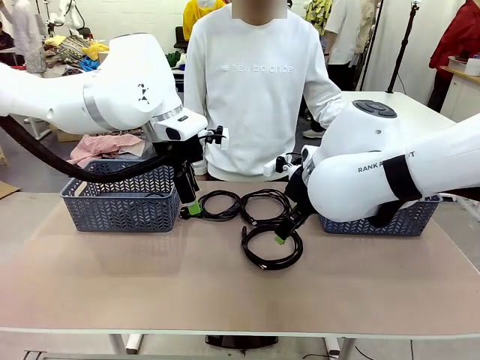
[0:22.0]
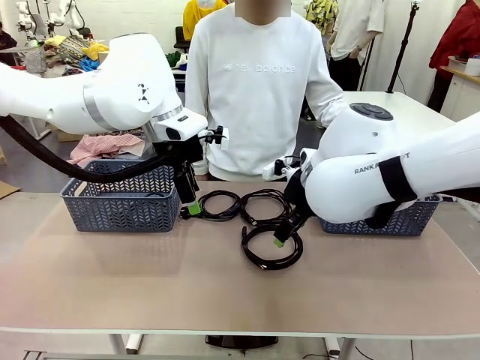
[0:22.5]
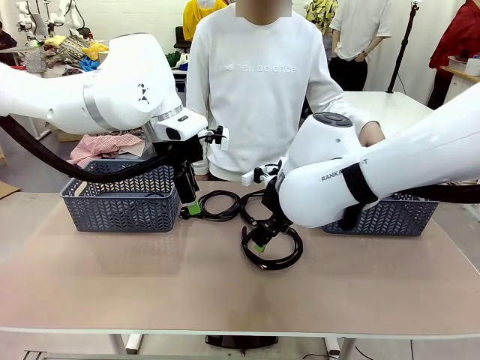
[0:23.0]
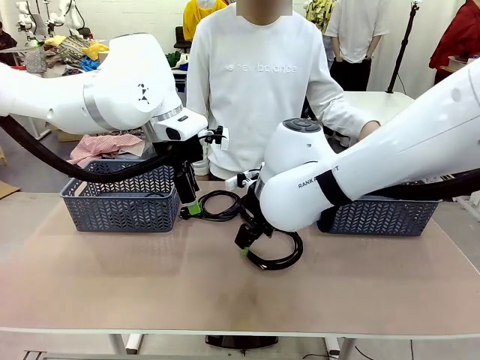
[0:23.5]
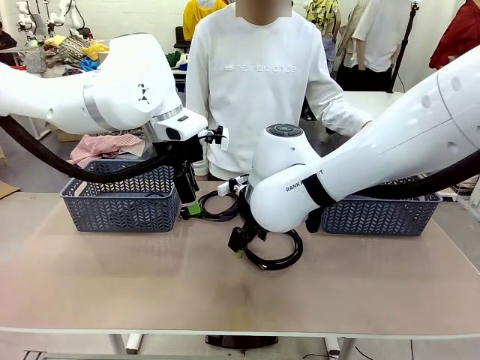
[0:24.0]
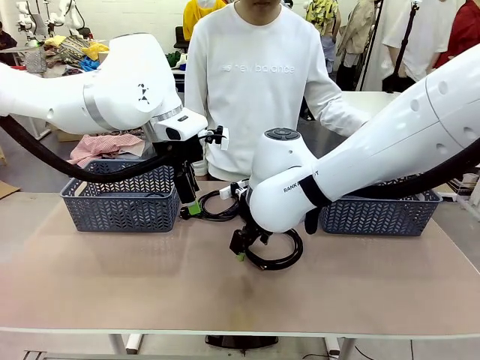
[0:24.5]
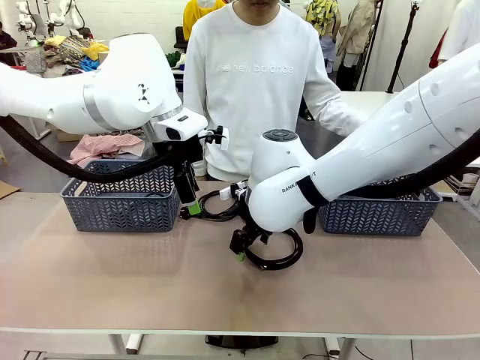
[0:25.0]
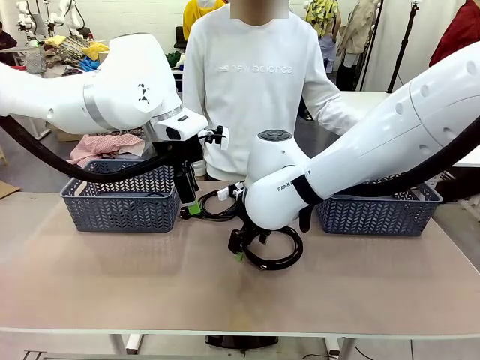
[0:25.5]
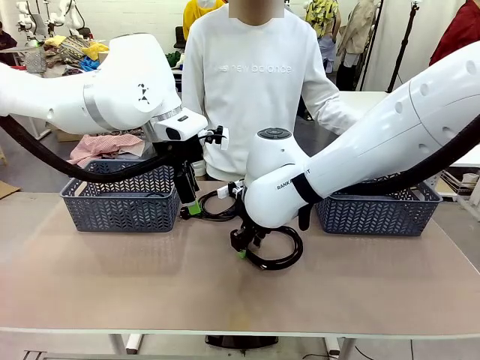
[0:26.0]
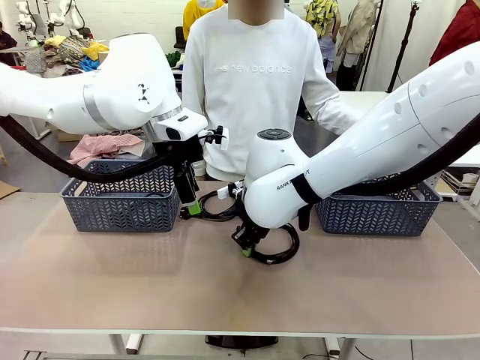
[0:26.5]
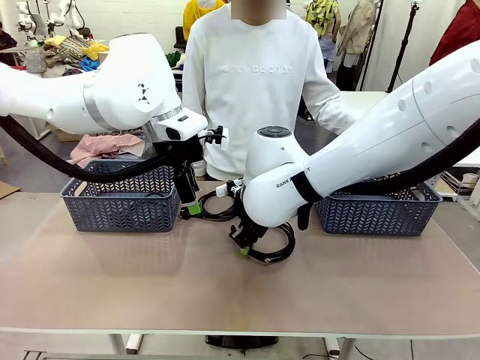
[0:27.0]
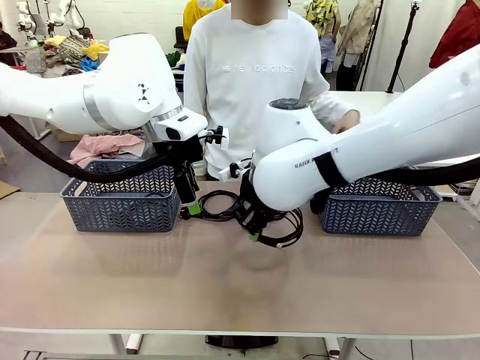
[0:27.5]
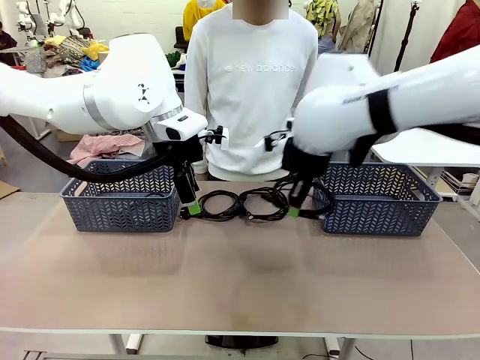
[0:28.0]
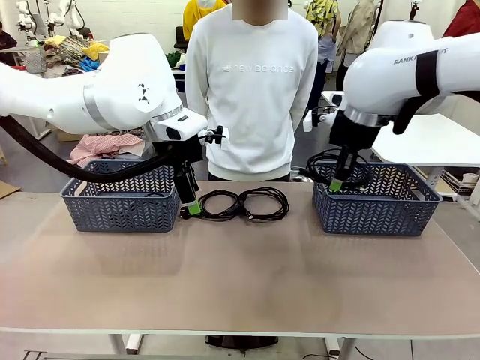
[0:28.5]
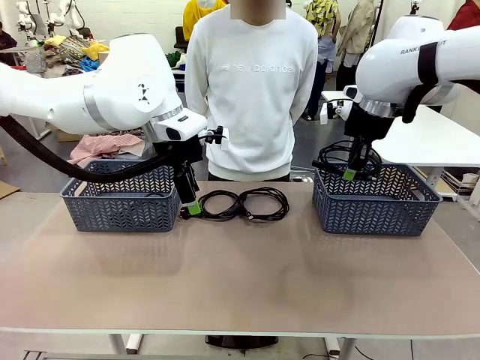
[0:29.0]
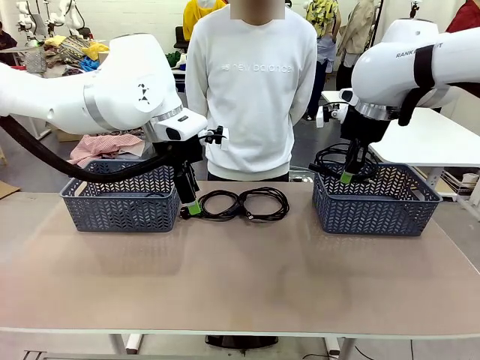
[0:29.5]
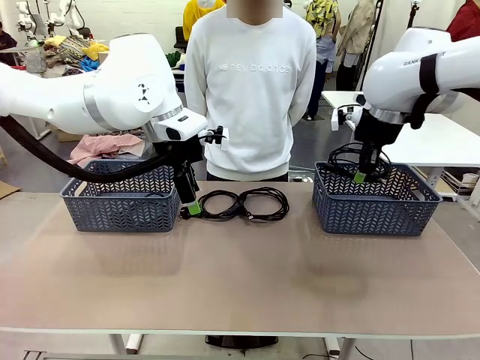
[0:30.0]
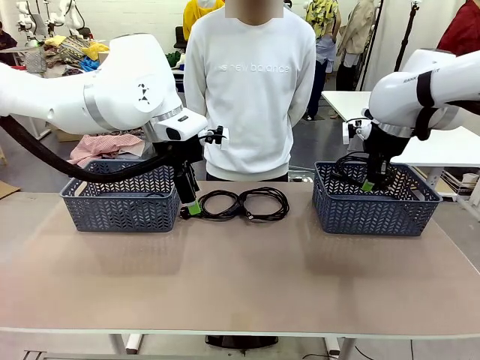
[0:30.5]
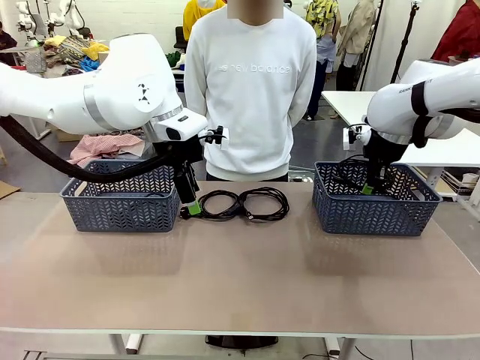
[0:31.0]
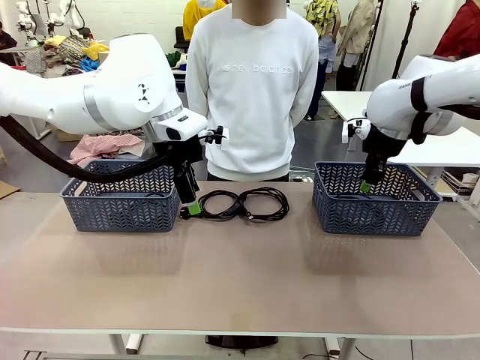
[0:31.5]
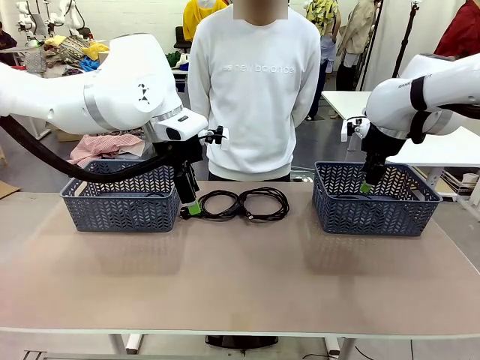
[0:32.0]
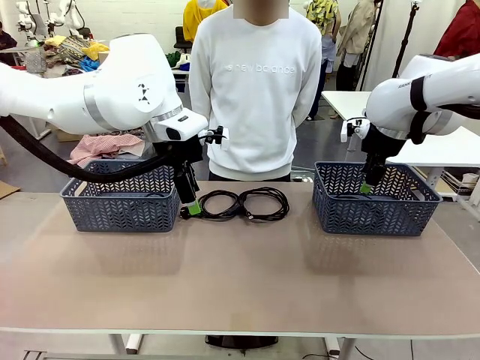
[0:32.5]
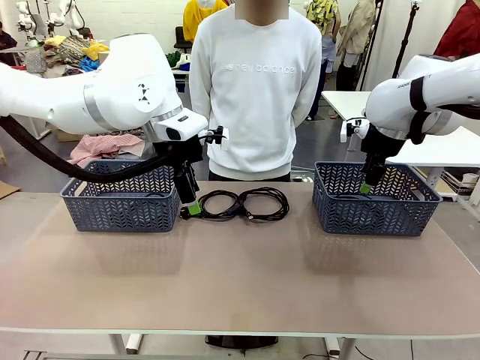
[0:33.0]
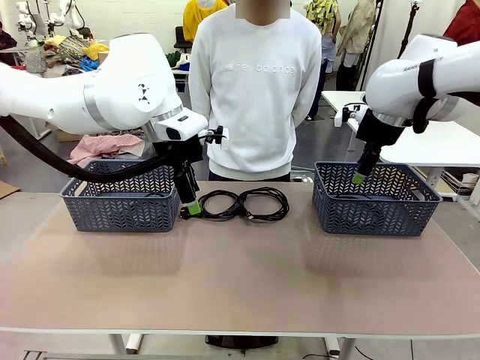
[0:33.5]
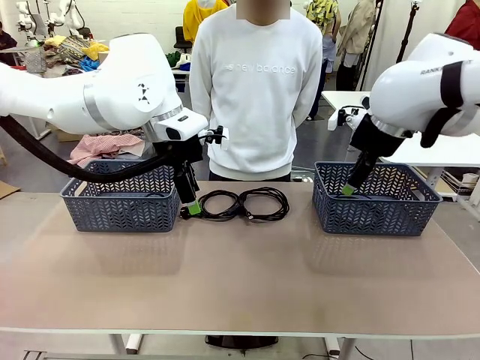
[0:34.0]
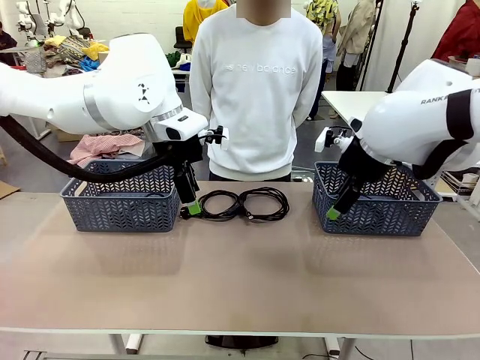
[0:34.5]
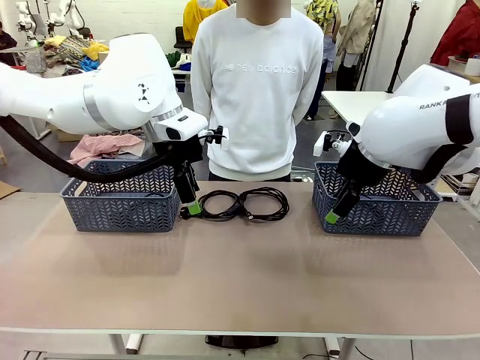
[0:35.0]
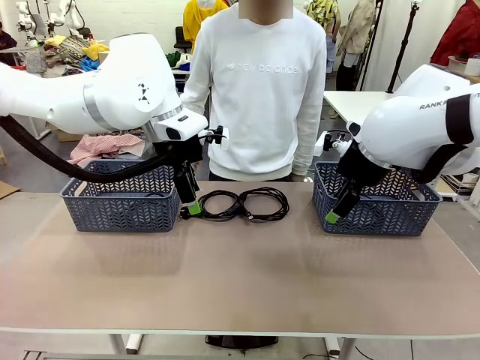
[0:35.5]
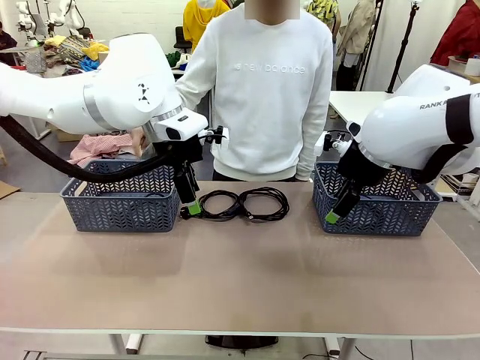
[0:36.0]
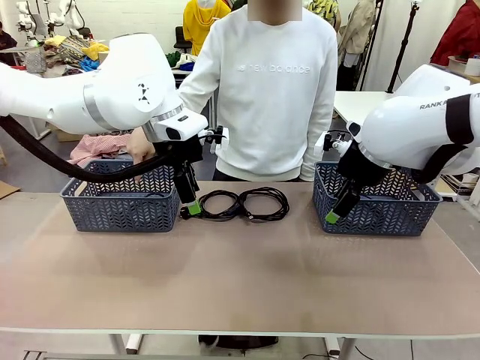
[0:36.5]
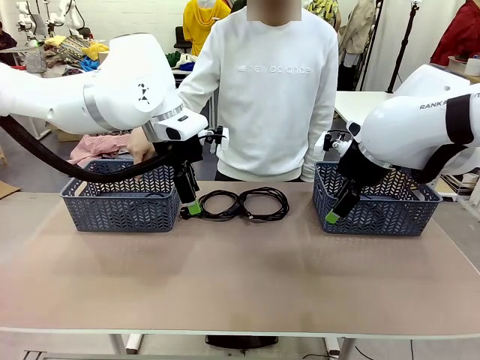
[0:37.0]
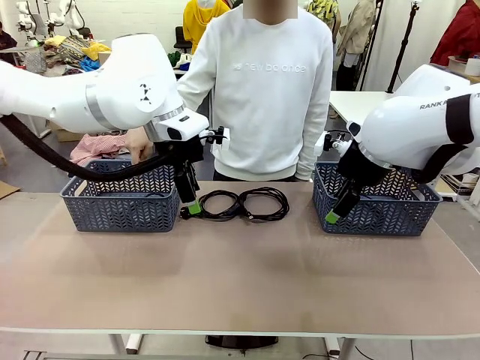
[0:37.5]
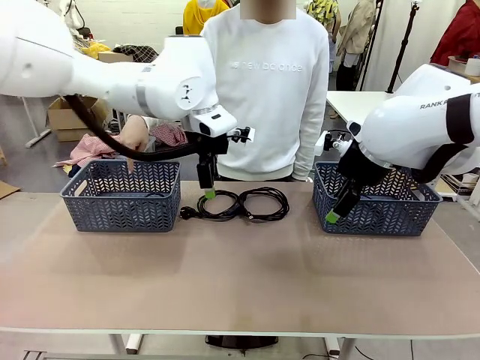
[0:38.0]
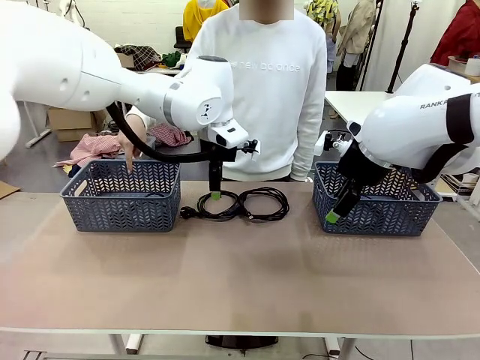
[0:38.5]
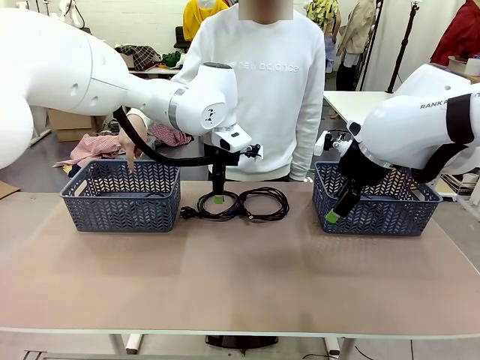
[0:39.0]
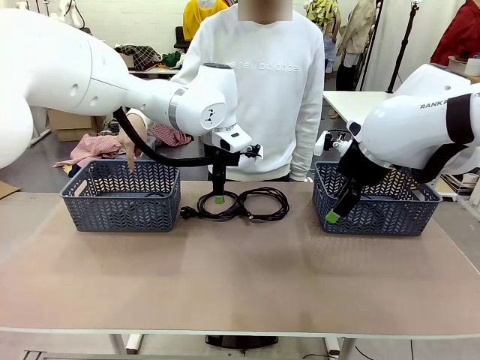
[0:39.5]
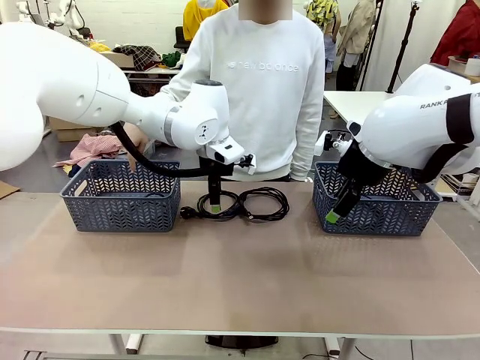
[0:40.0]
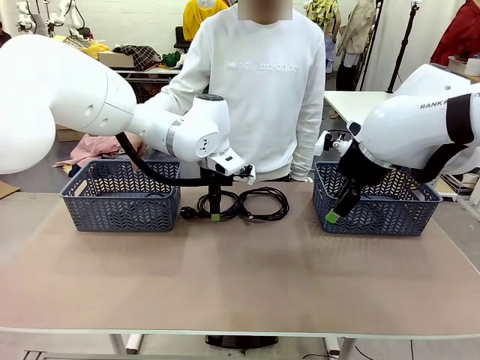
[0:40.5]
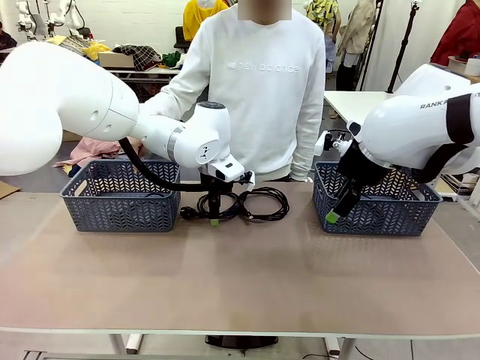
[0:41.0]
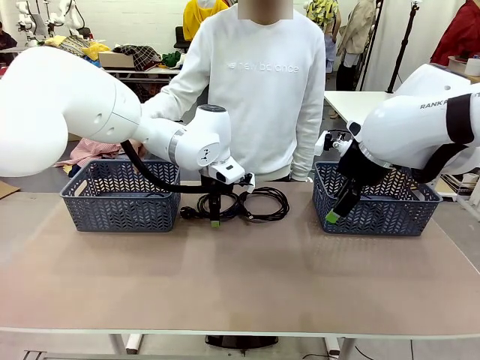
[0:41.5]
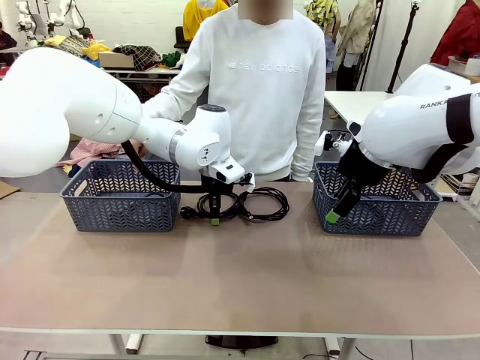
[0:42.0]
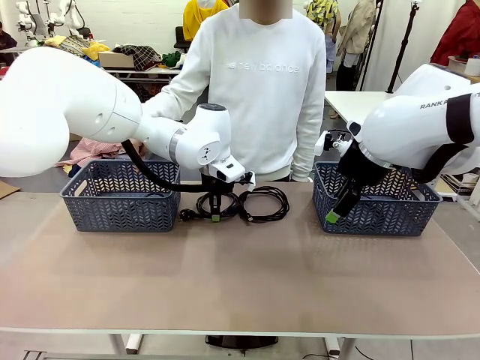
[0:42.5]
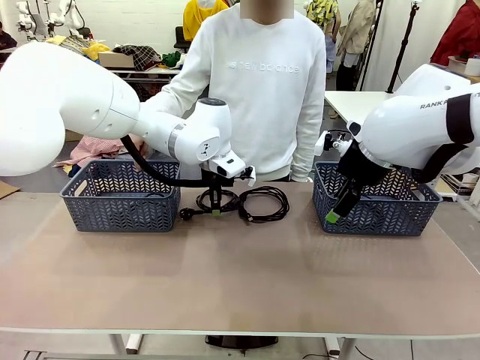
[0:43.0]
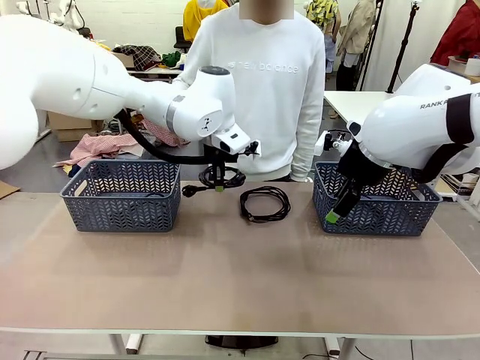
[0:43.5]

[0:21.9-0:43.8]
Task: Organize the cables according to human instructions.
Robot: Pick up a bundle of cables and place it in the basket indicated by the human.
